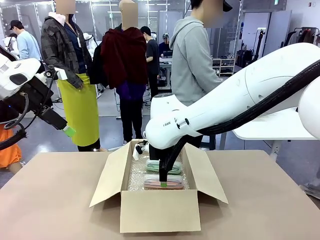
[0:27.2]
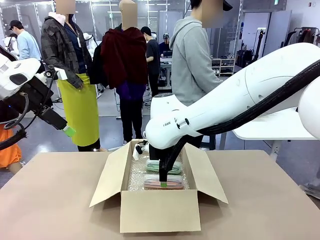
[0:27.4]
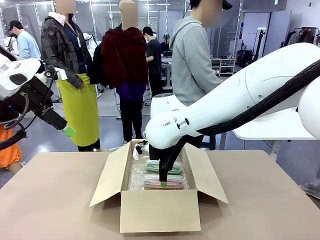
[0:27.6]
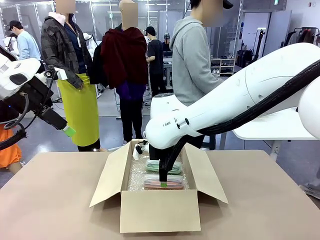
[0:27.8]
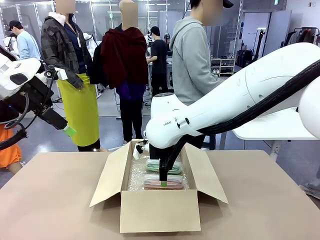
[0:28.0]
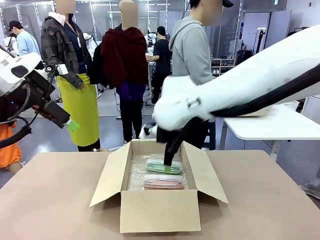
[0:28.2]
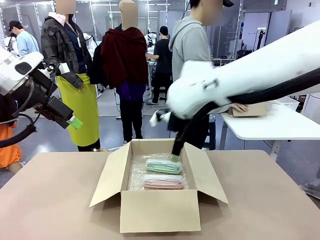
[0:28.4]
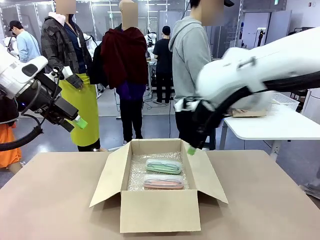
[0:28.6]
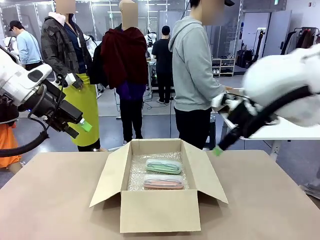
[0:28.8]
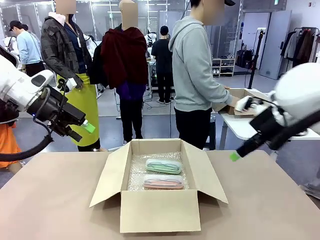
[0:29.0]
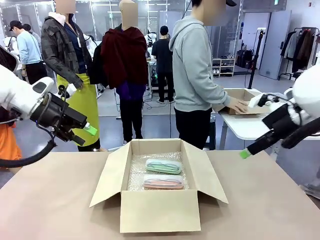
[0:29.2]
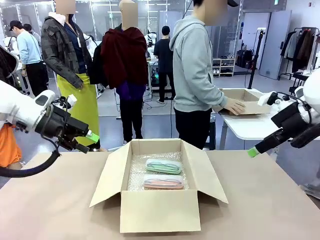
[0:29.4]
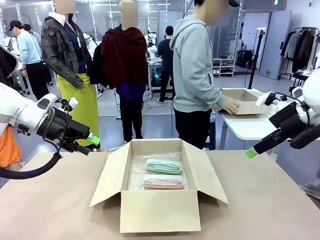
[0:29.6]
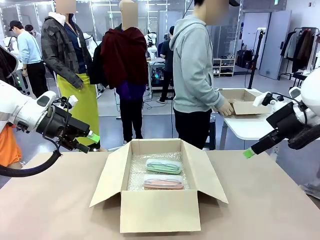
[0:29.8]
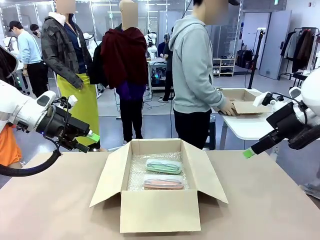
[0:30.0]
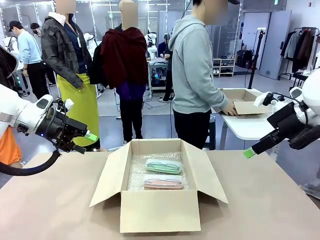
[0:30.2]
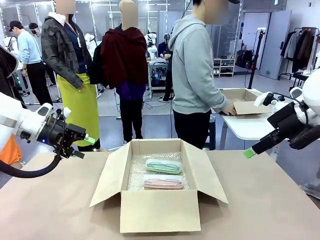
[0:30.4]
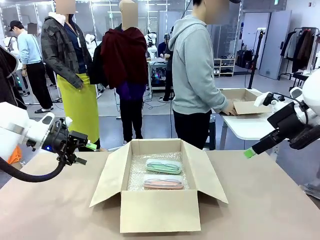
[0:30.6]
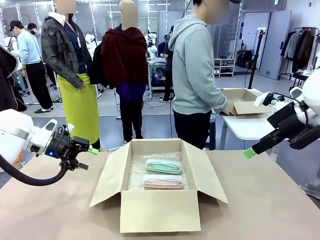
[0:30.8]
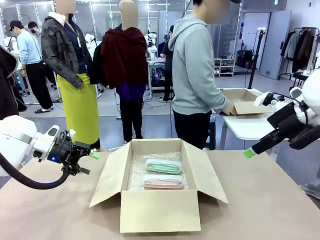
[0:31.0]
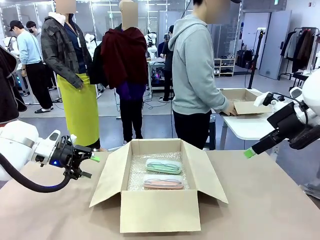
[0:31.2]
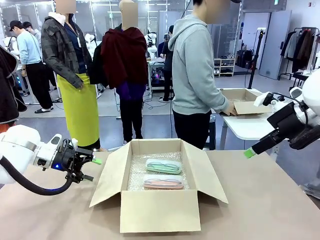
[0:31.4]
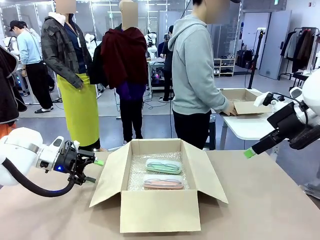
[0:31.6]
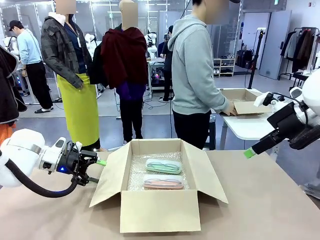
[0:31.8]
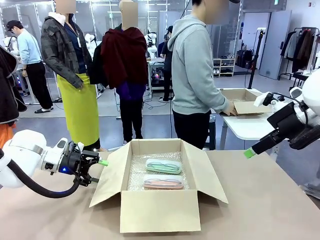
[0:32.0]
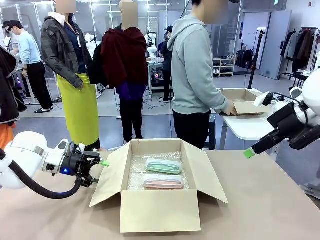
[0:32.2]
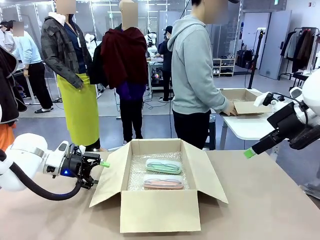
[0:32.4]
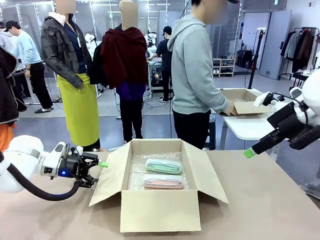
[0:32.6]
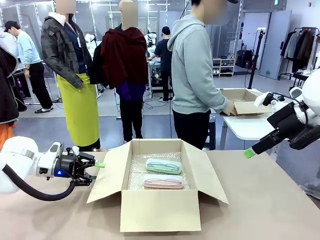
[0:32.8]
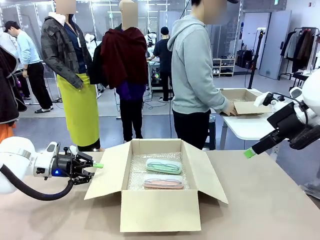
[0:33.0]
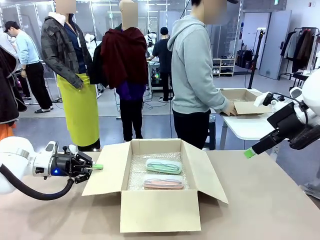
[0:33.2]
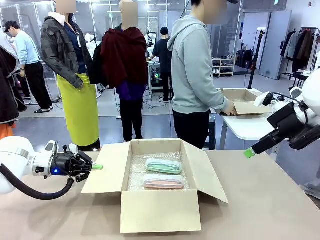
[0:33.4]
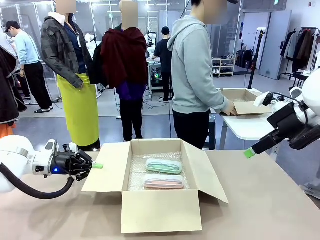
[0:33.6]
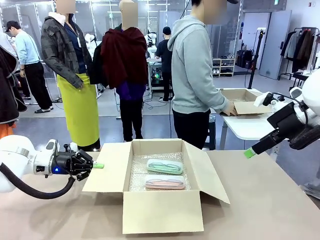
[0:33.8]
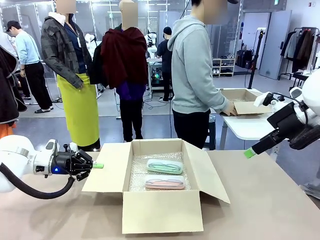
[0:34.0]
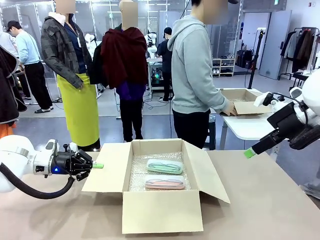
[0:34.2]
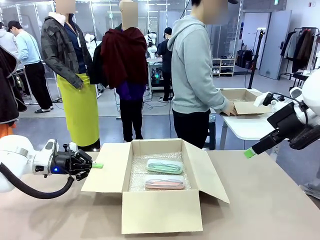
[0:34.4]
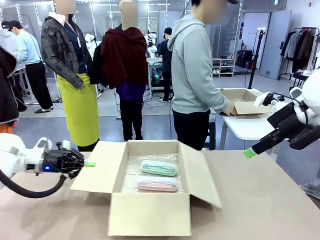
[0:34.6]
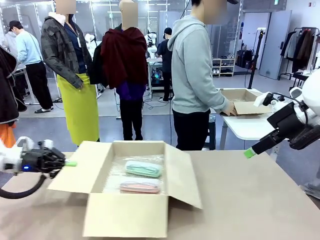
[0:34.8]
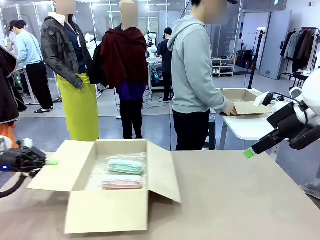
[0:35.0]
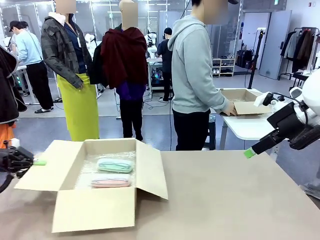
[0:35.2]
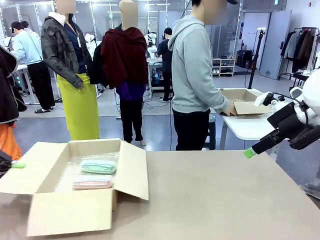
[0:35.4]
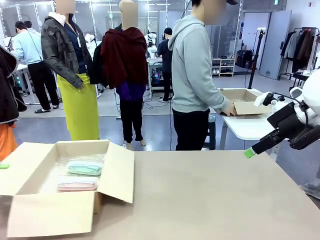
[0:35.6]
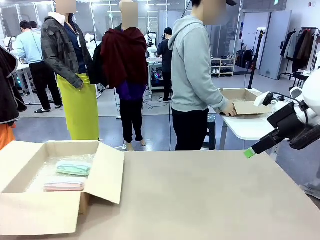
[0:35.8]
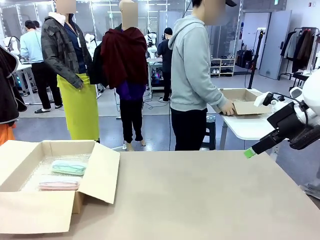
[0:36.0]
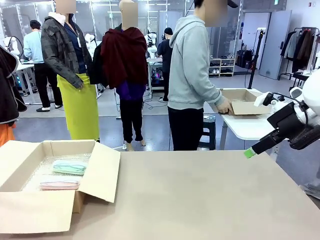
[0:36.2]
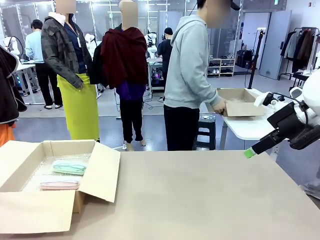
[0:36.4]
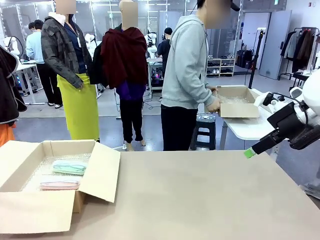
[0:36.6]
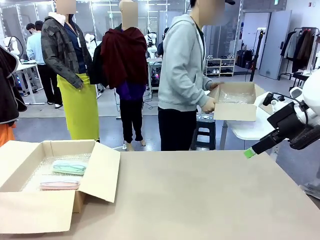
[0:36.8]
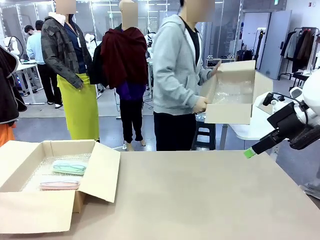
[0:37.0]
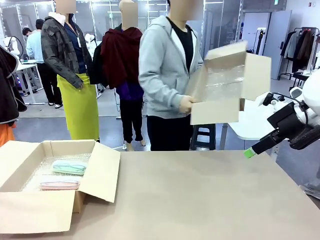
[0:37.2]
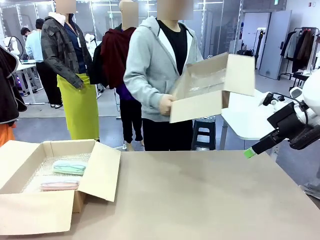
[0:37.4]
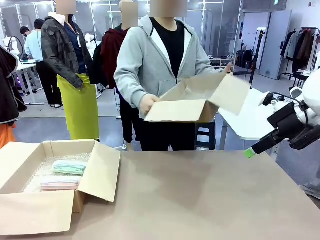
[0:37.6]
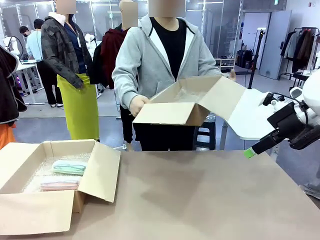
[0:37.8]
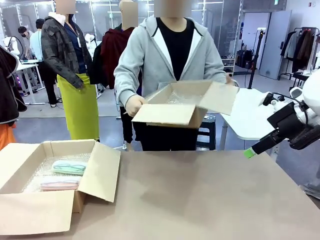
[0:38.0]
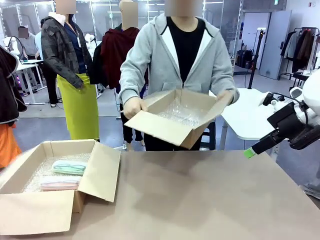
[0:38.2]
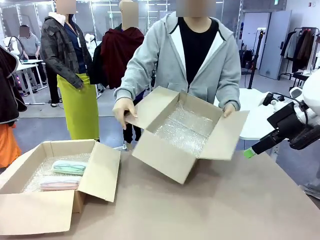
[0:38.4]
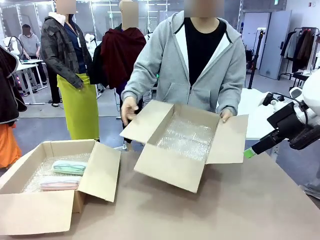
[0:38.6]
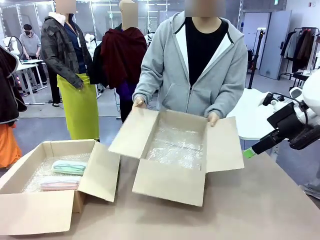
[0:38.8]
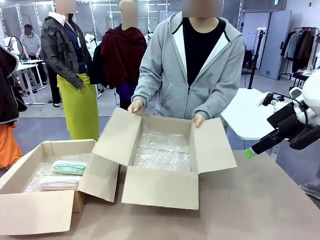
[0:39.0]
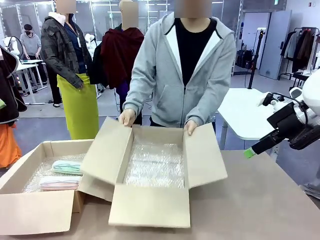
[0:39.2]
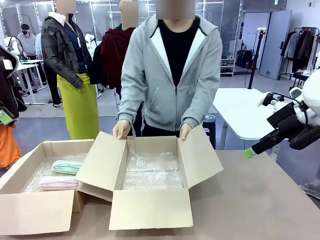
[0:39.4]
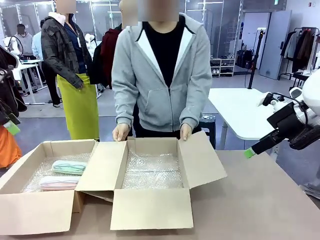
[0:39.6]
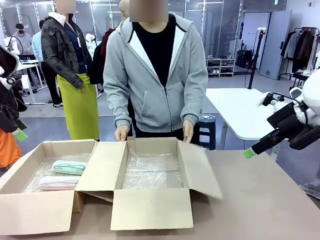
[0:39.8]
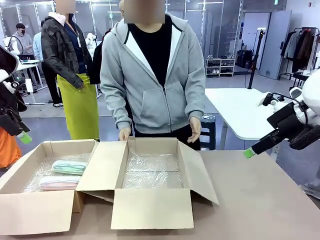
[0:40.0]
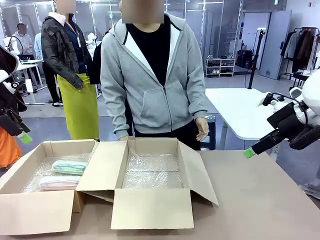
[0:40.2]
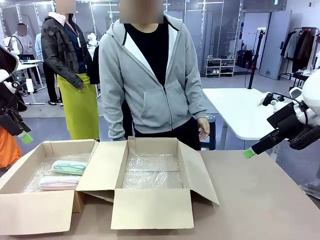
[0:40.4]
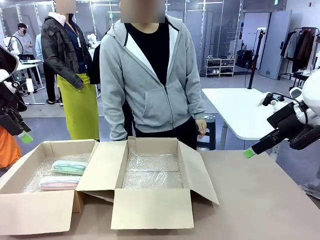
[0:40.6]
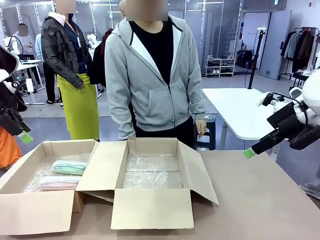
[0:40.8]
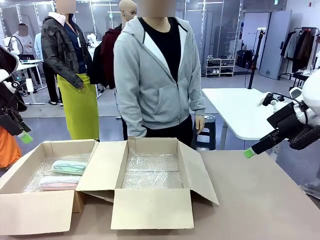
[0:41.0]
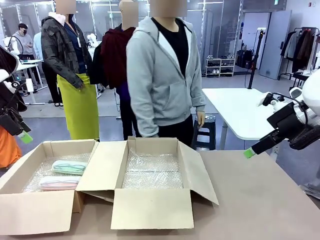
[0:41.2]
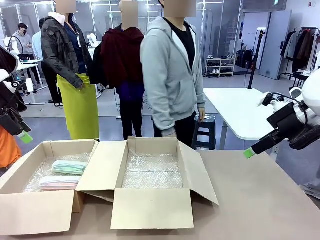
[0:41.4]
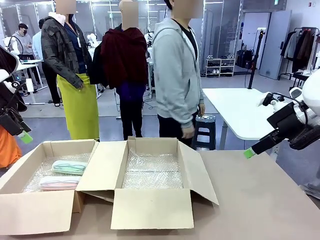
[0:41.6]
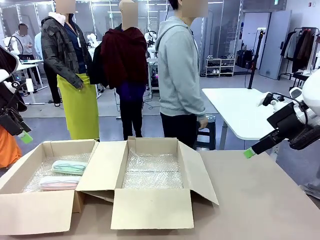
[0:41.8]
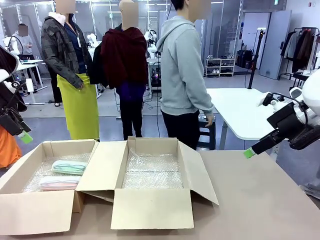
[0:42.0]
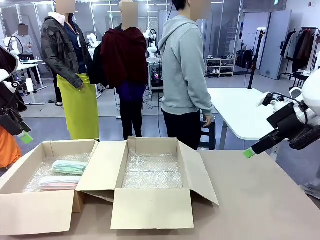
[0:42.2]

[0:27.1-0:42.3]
Task: Pack the glasses set securely to prepare it for shipping.
Robot: Position the Package Box on the left side of the table.
Person: Position the empty Package Box in the middle of the robot's table.
